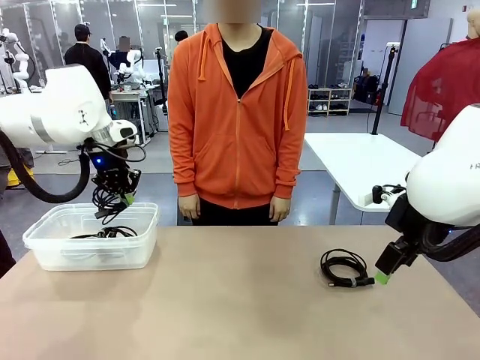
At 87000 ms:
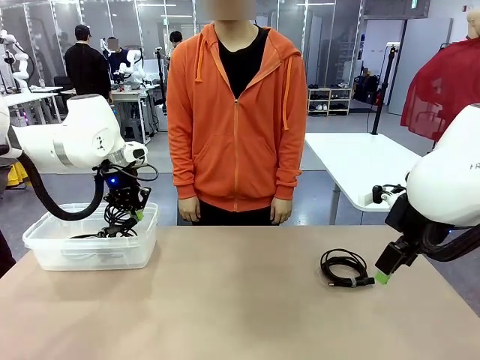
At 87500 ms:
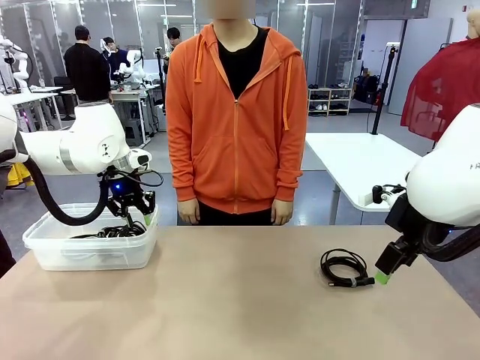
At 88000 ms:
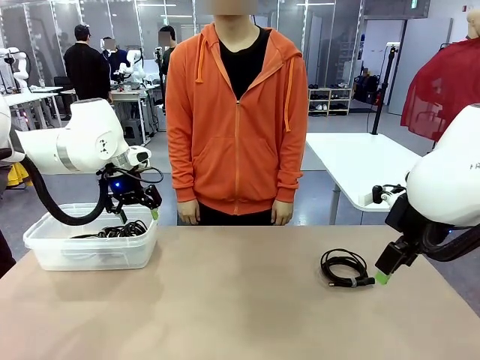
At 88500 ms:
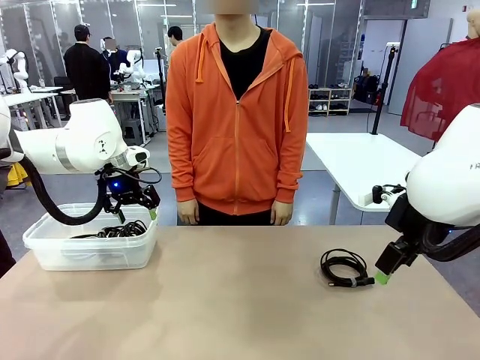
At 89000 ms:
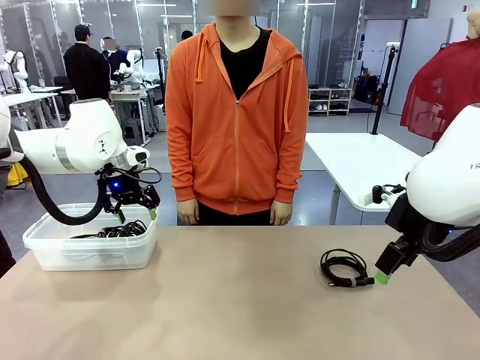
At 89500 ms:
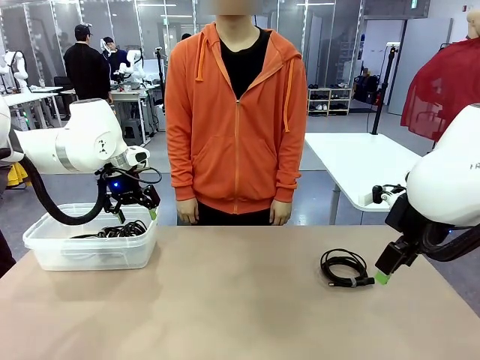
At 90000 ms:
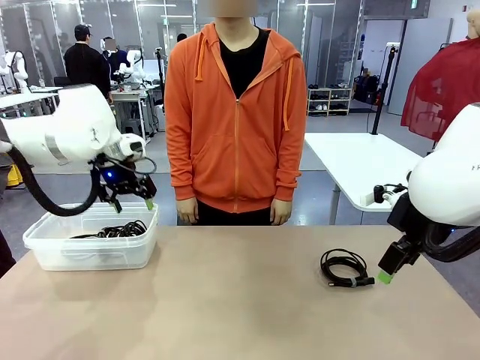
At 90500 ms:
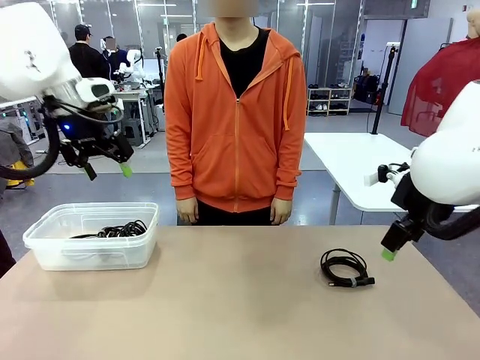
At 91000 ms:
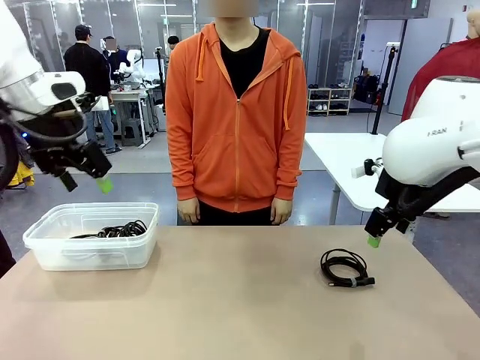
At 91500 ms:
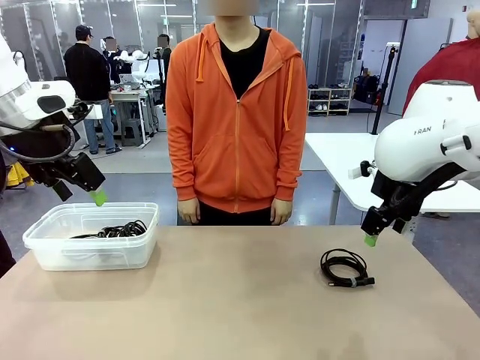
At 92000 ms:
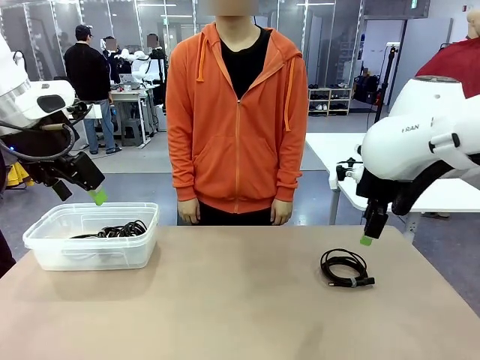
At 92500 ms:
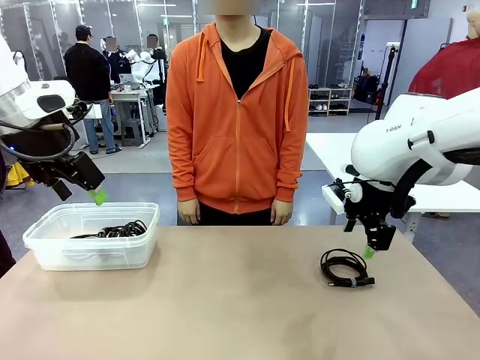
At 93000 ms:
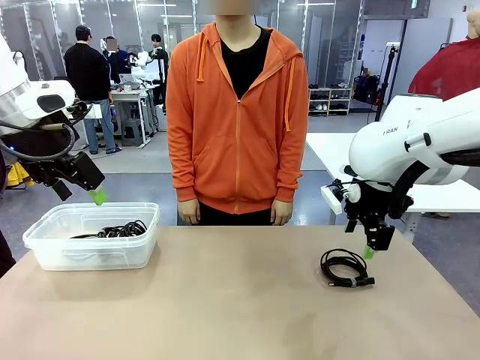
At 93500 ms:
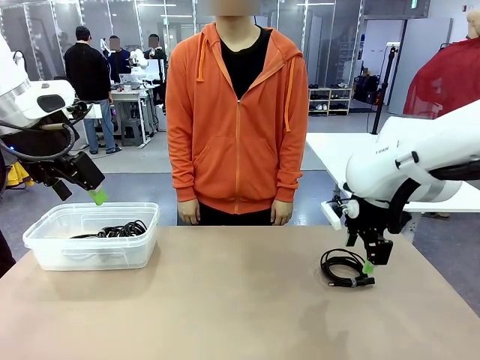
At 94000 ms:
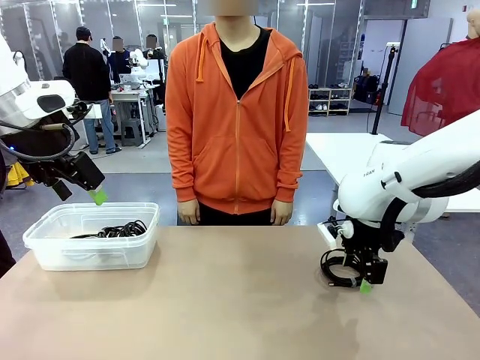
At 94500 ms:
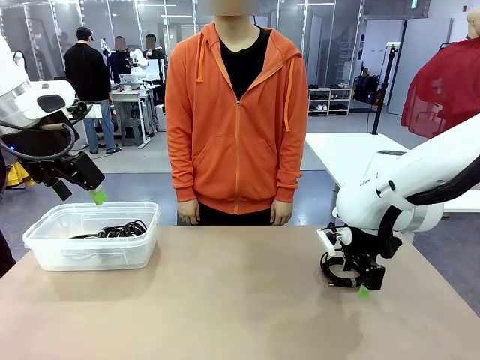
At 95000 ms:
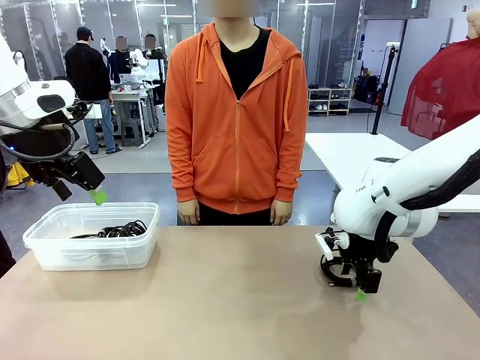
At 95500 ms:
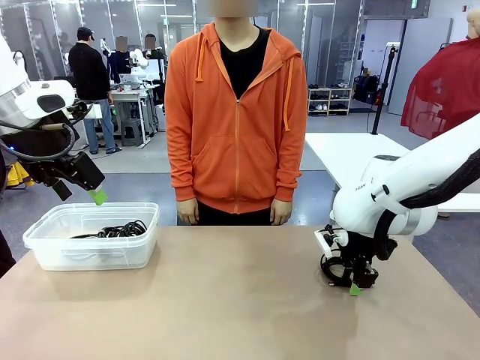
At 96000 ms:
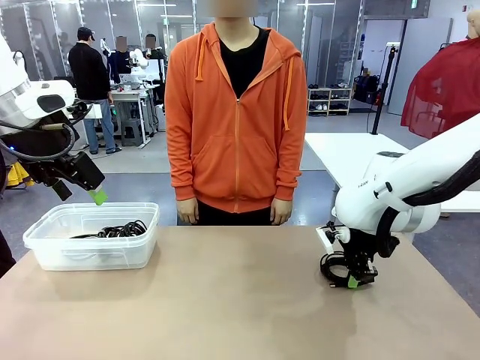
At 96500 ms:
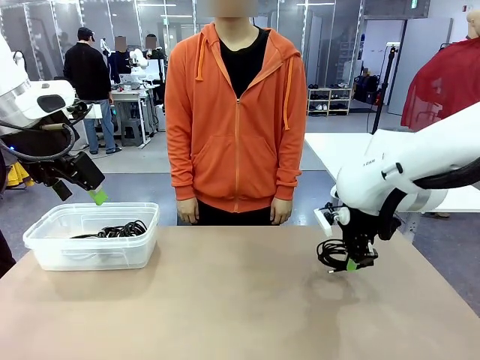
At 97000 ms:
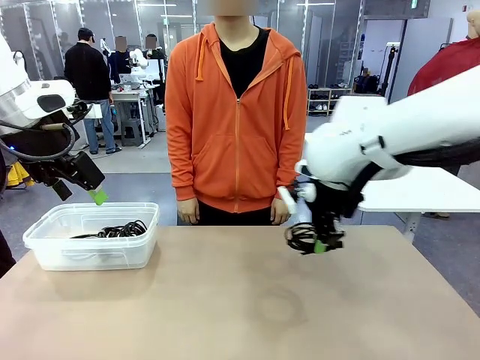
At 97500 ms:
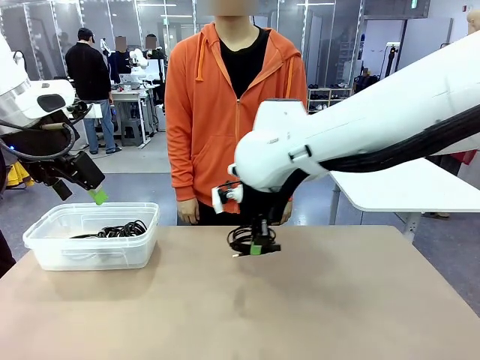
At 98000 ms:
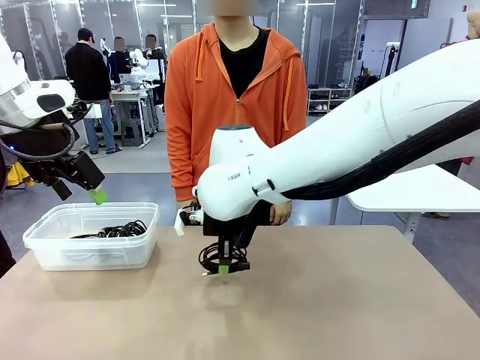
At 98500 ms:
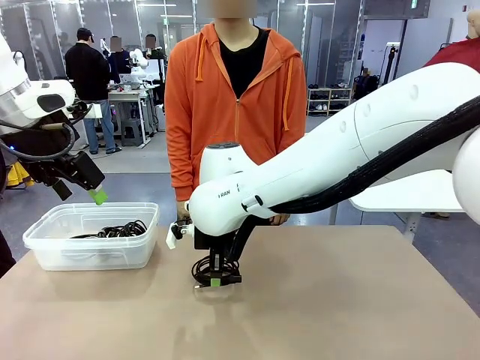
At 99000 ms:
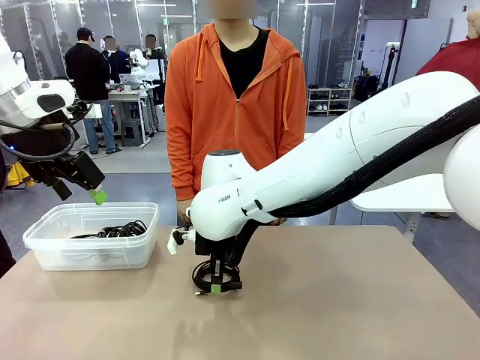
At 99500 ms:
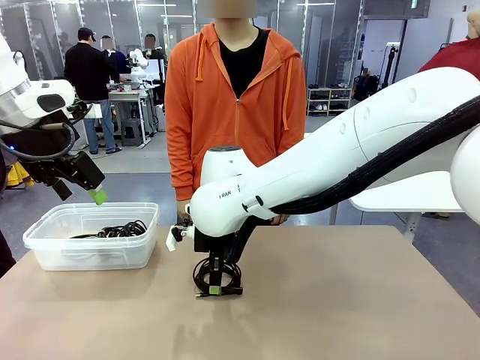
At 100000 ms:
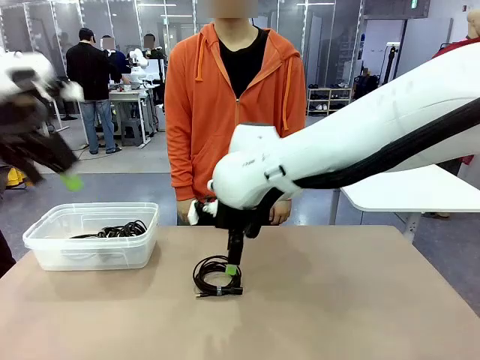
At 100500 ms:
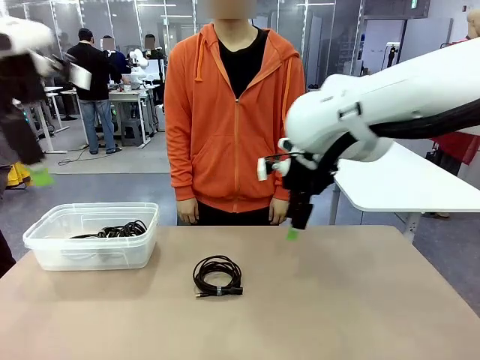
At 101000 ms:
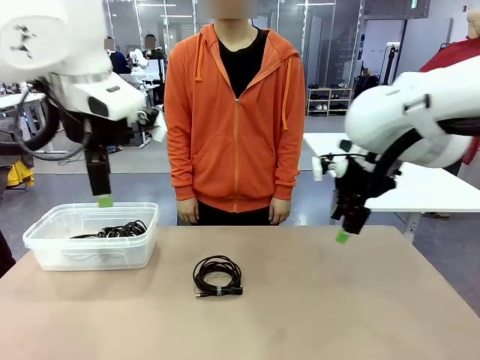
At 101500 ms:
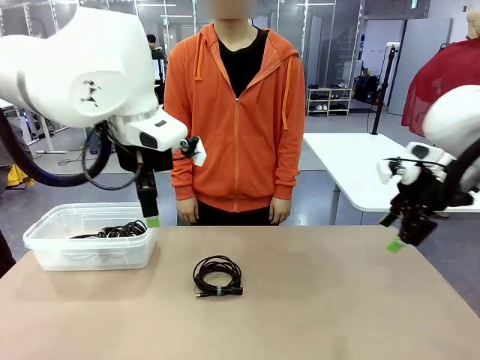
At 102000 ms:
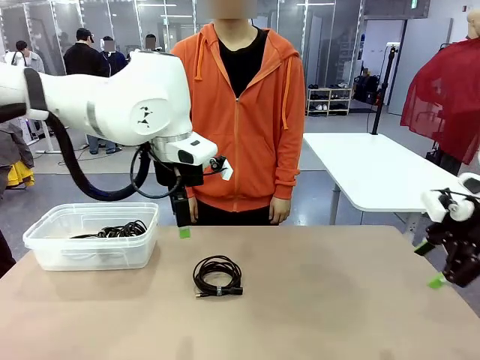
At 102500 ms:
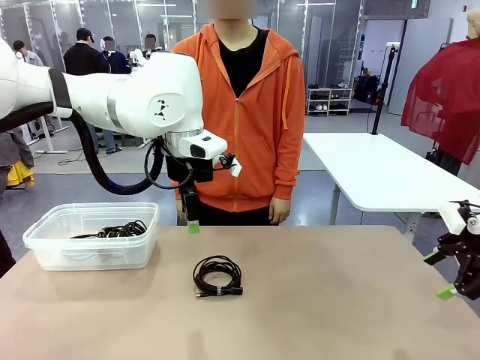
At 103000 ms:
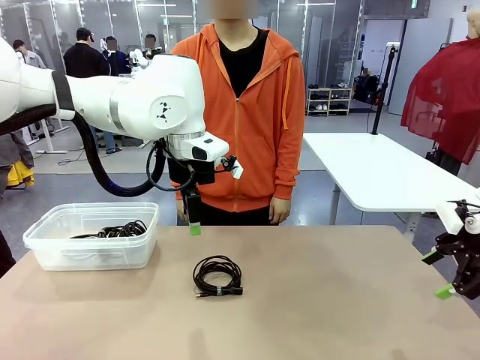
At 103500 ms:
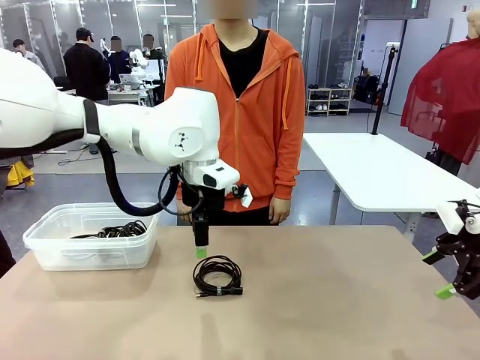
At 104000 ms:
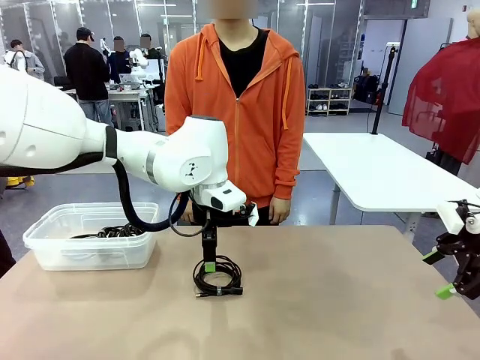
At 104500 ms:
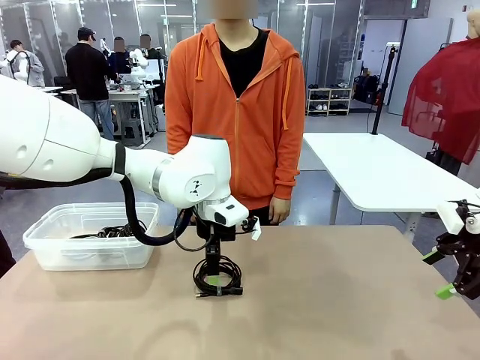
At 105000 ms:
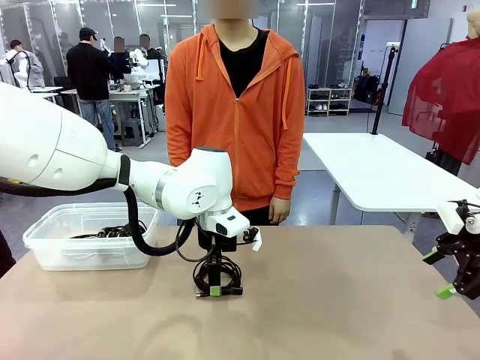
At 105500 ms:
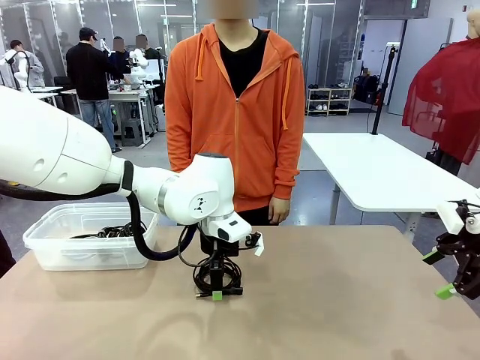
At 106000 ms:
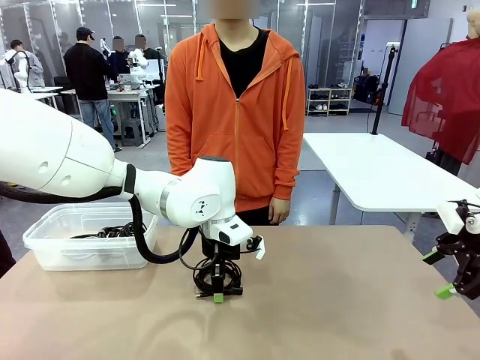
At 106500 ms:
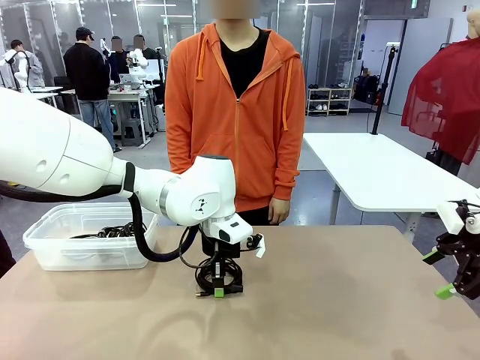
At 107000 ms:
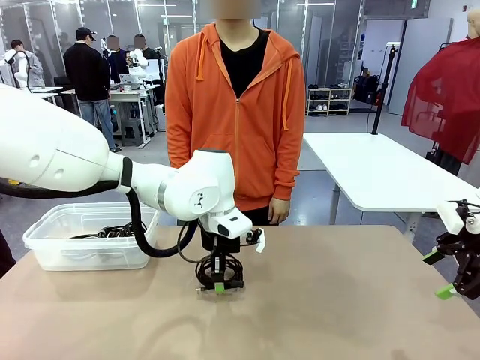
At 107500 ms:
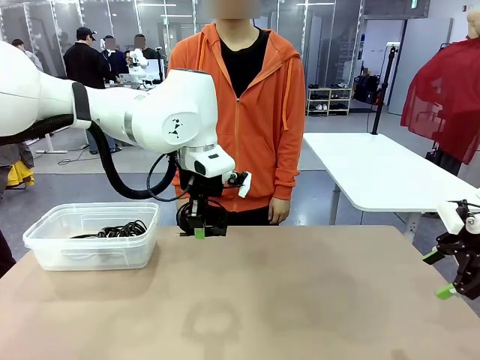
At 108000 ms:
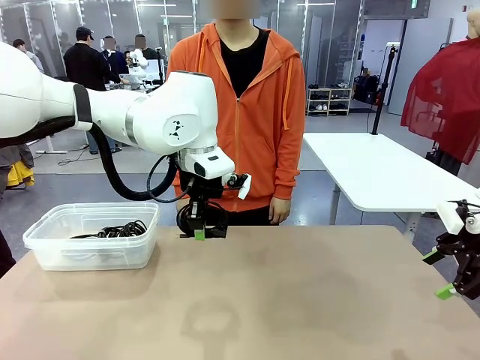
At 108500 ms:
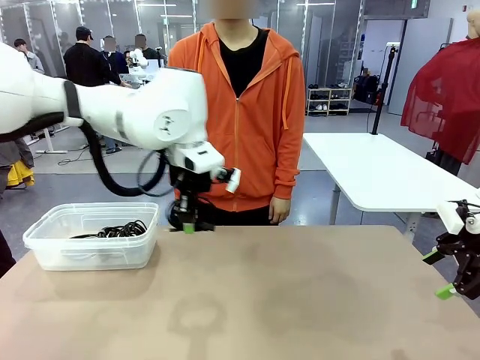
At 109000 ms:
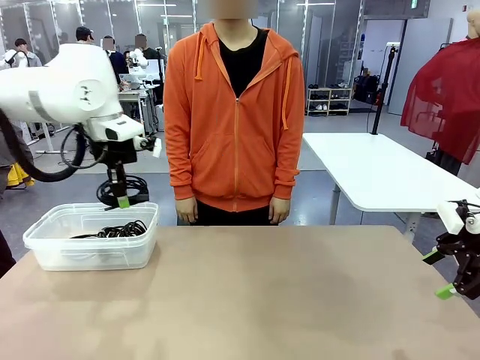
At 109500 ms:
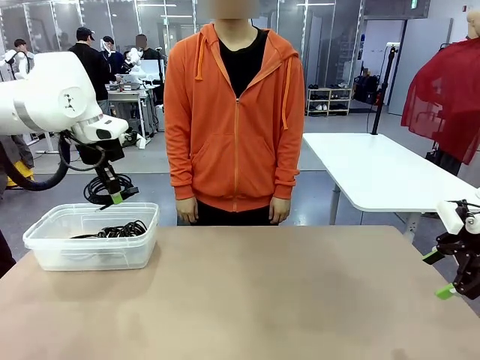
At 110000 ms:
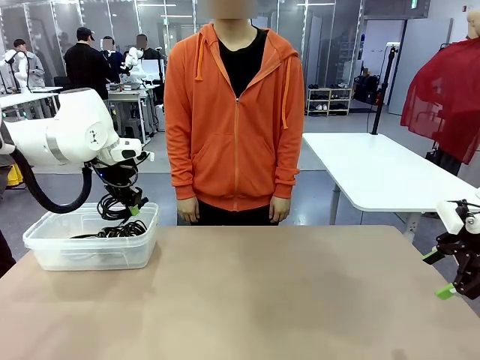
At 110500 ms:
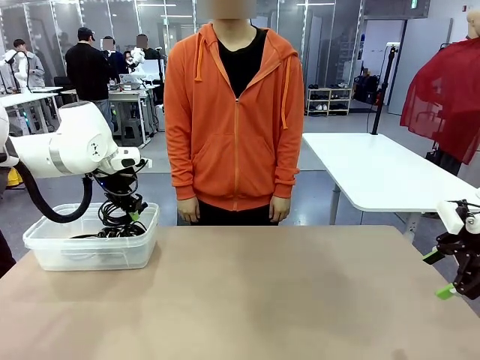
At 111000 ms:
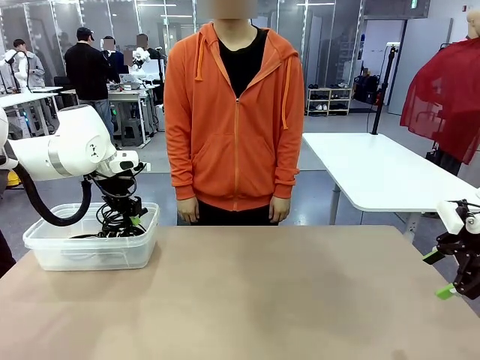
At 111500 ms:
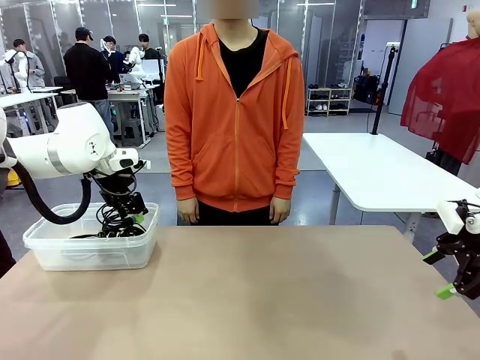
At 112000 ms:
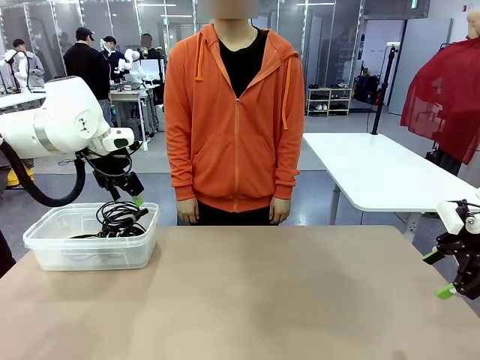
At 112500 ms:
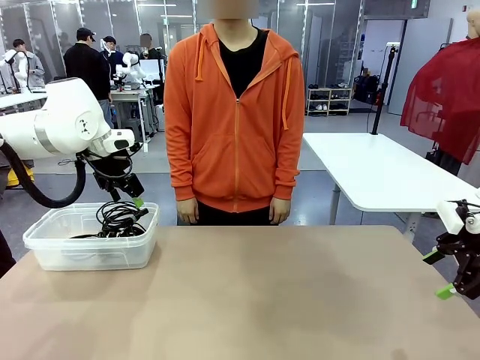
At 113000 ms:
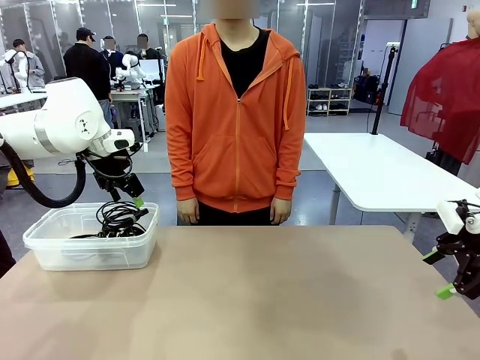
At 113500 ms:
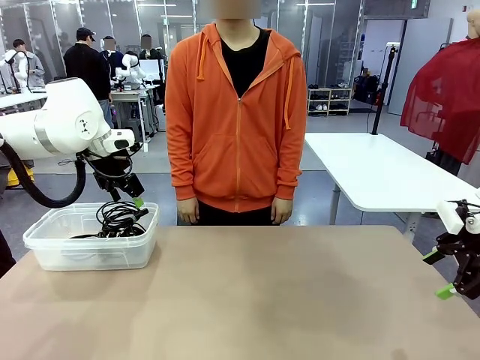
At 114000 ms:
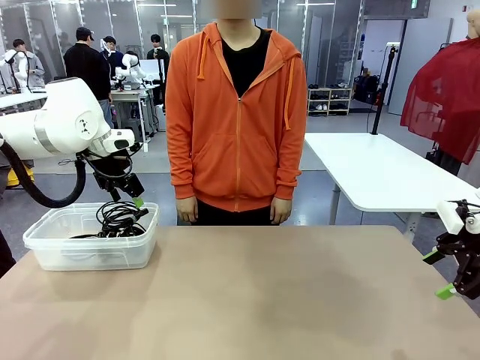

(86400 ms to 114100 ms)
Task: Organize and store the cables.
Robot: Place the USB Extension Cable into the Organizing box.
